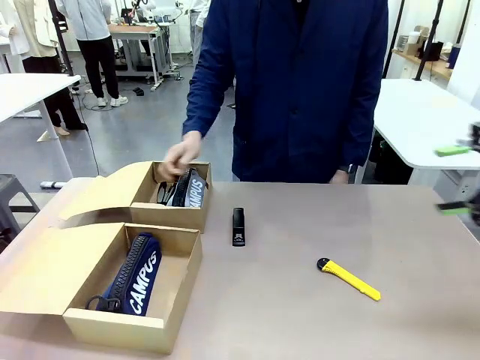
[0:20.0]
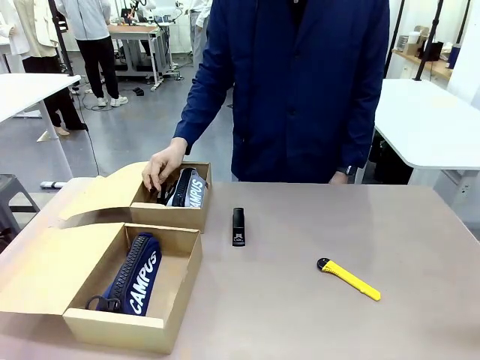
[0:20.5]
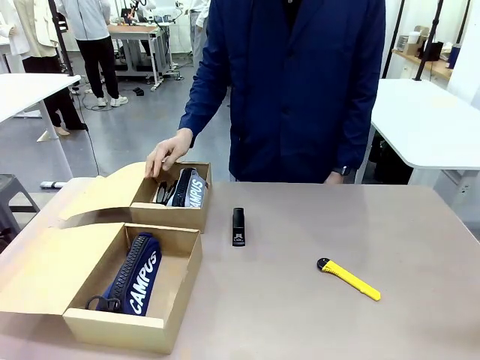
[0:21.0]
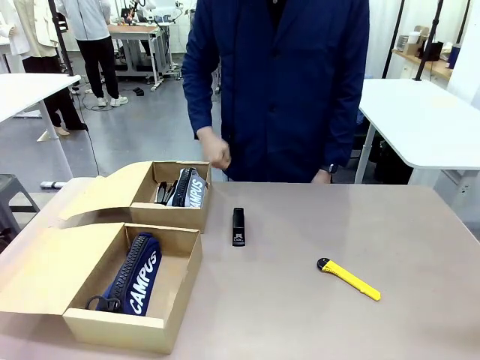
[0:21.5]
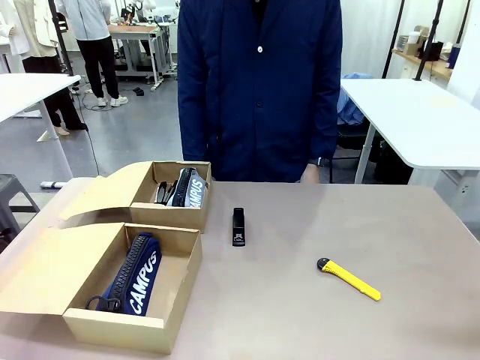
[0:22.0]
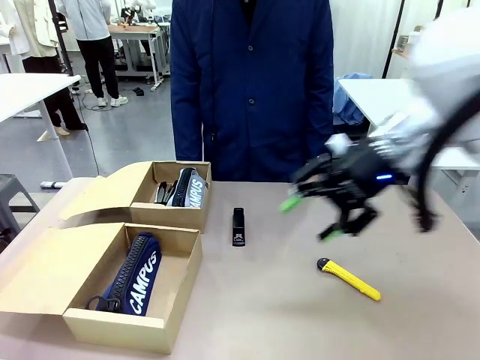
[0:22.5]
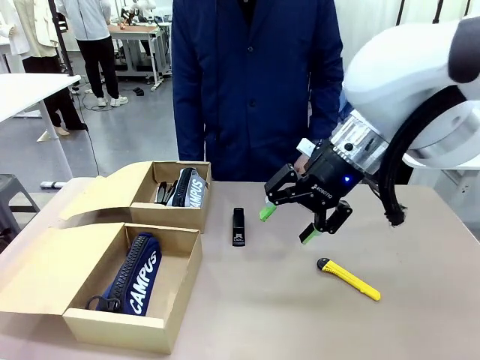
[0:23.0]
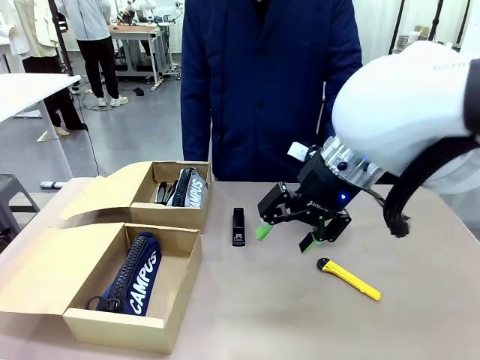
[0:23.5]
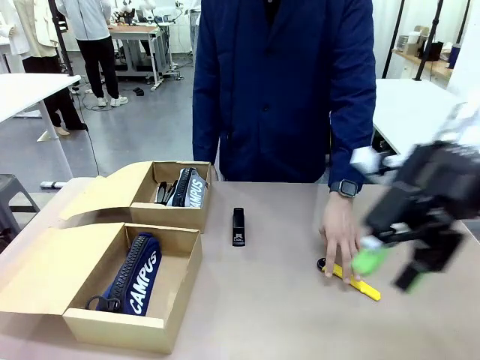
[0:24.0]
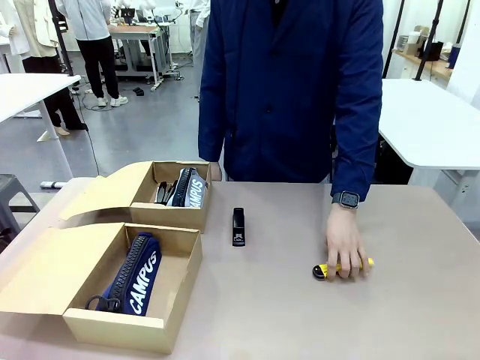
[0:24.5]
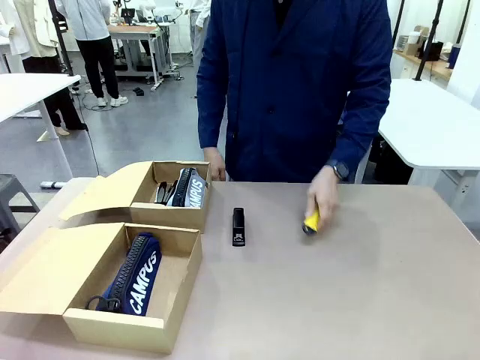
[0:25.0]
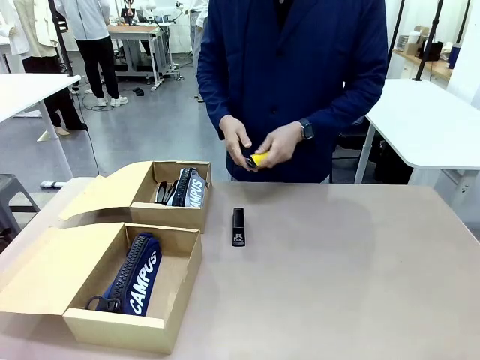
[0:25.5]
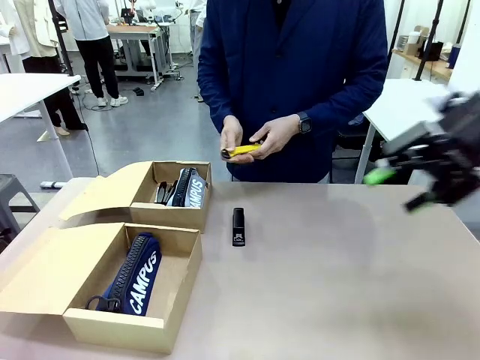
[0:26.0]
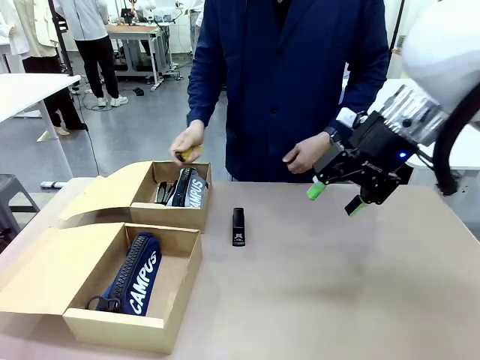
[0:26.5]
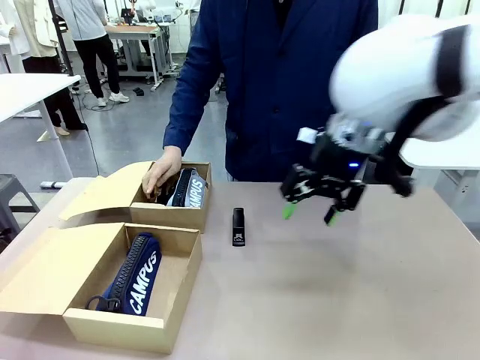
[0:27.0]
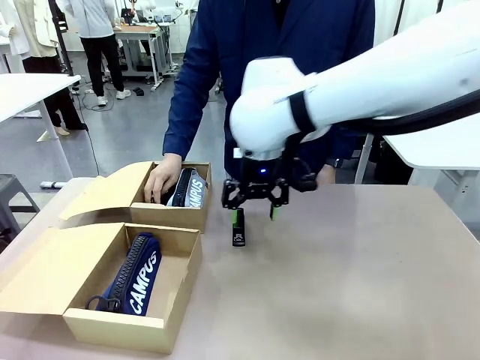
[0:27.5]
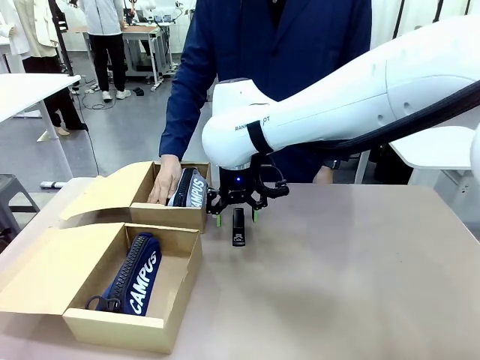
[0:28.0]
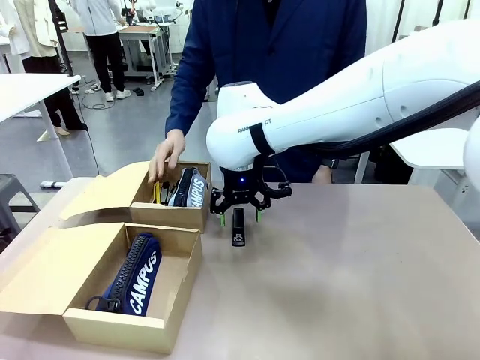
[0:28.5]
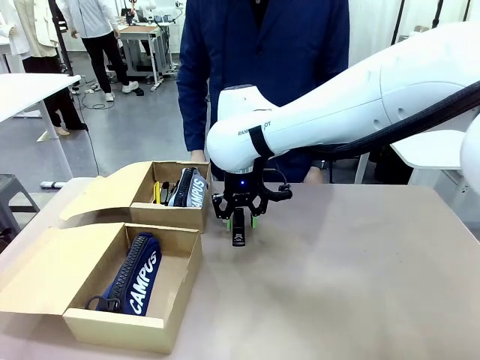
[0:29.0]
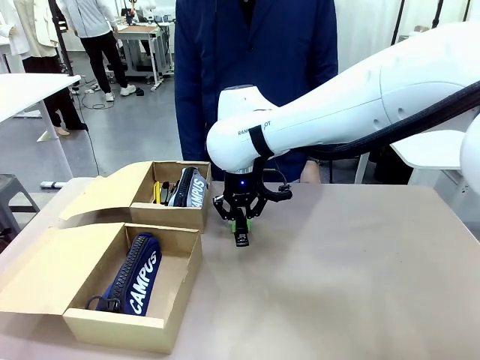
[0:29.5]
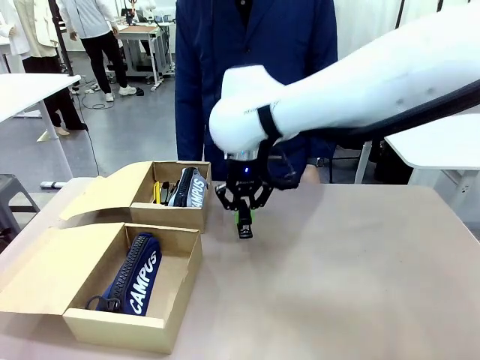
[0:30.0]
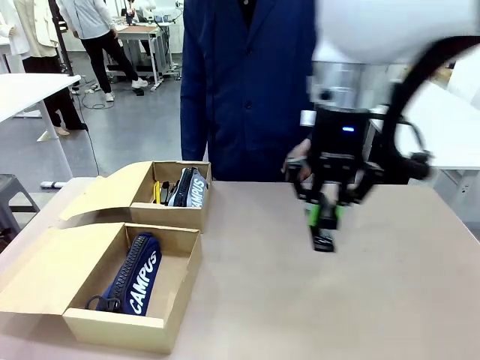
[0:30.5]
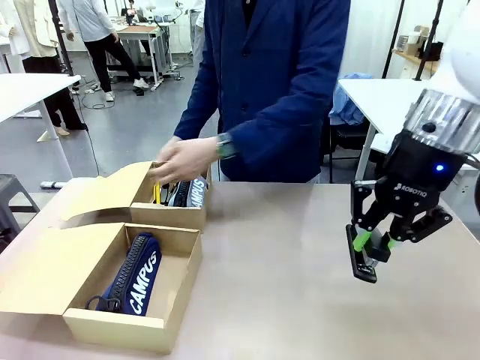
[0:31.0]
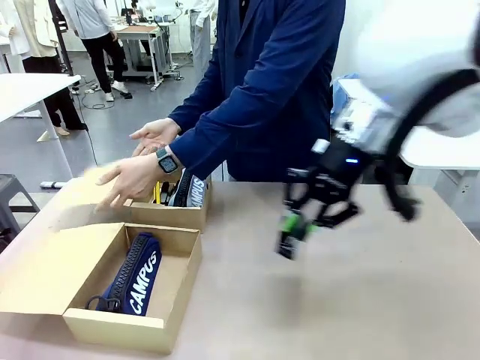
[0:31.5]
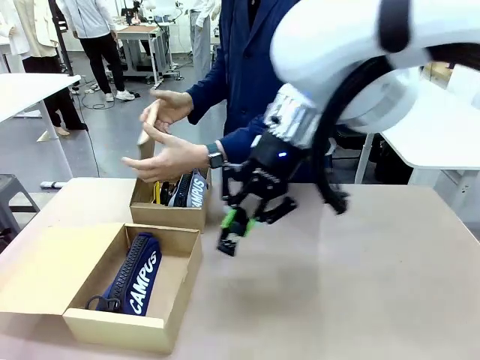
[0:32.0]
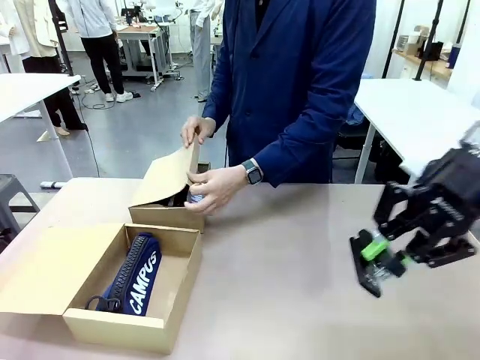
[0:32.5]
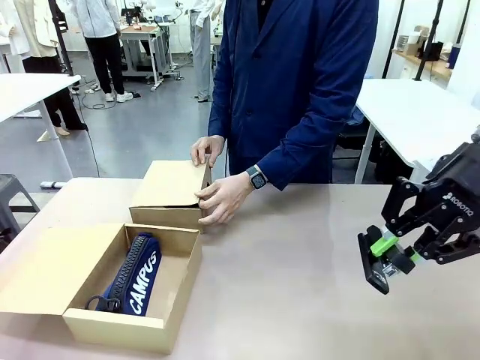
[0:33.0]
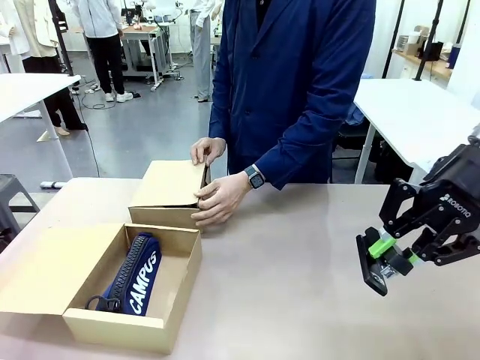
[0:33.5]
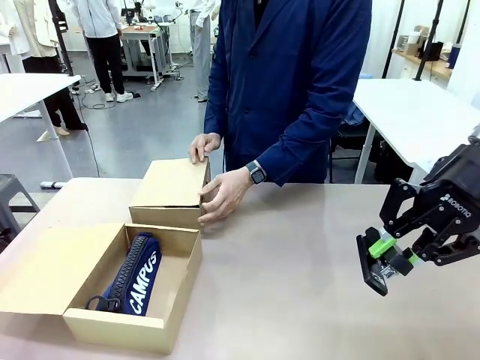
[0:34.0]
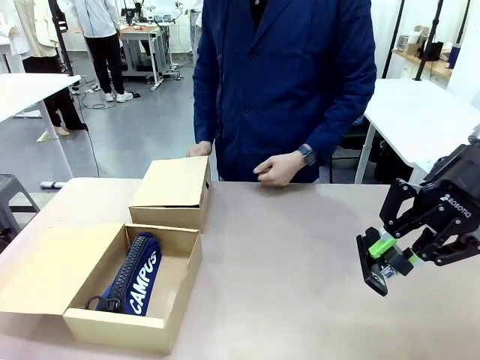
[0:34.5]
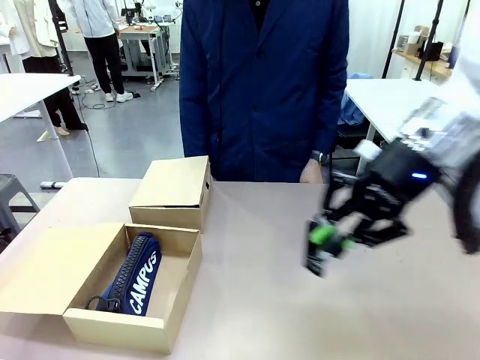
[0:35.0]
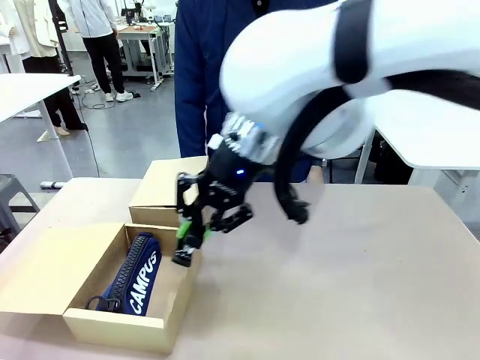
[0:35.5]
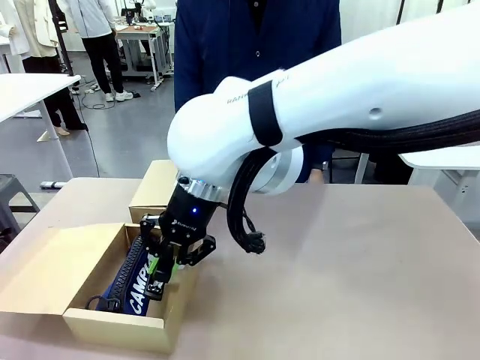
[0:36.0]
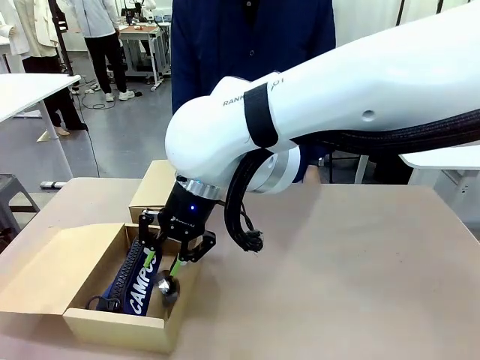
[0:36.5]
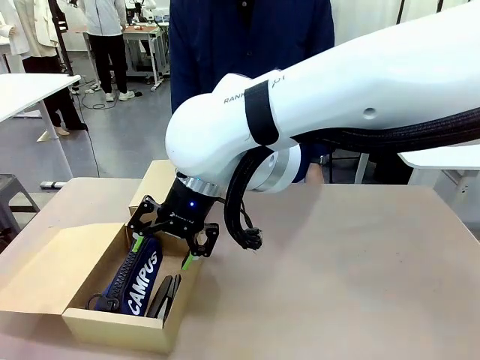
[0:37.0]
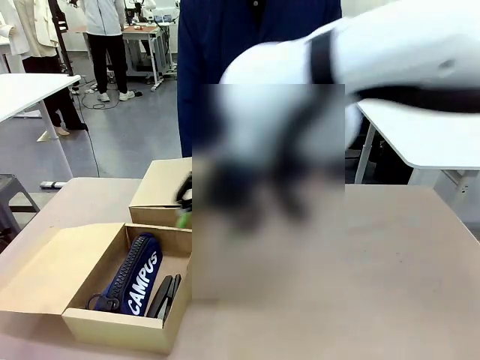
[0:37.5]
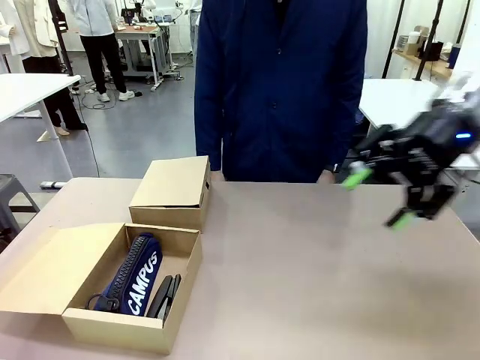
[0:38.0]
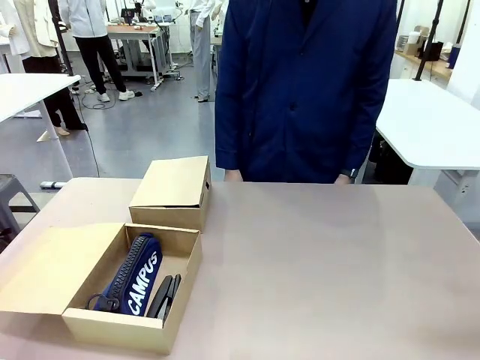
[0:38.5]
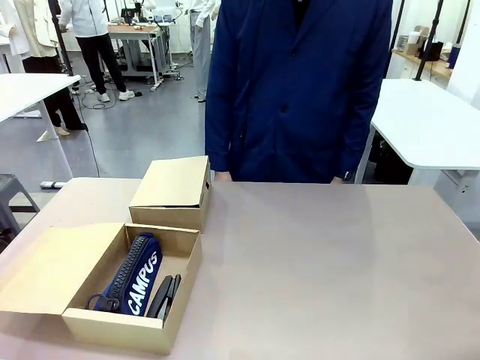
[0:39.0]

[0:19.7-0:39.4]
Task: Place items inside the box.
Robot: Pick up a Pencil pouch or Stapler and place it inside the Mailer Box closest to the robot.

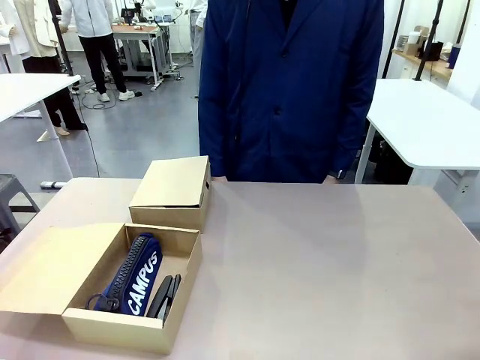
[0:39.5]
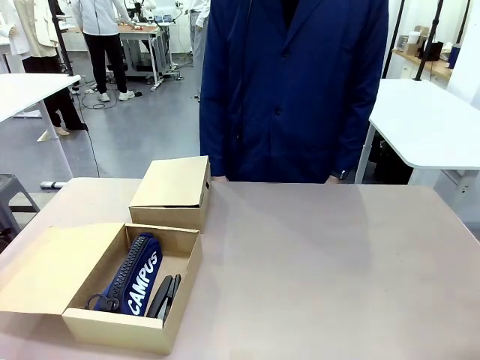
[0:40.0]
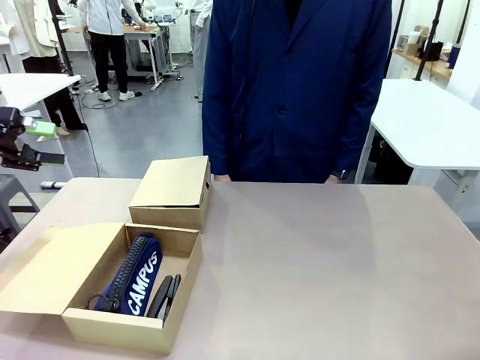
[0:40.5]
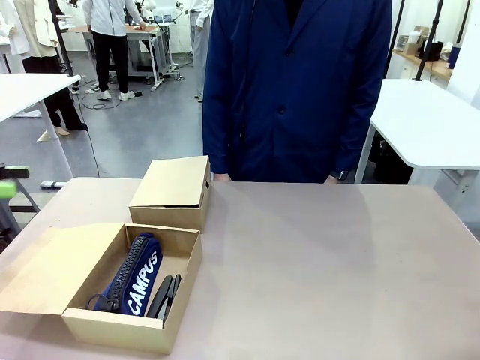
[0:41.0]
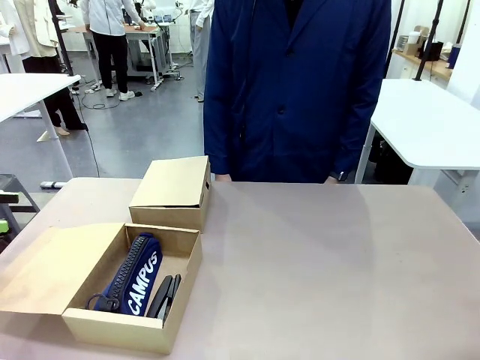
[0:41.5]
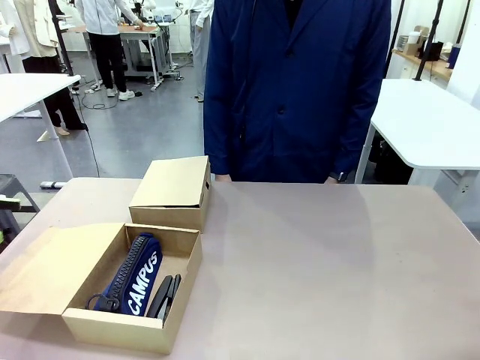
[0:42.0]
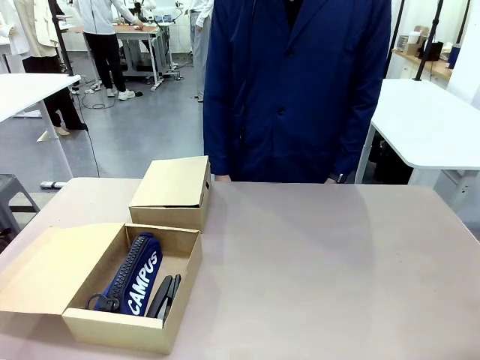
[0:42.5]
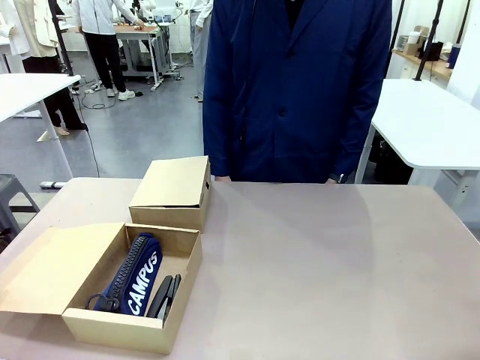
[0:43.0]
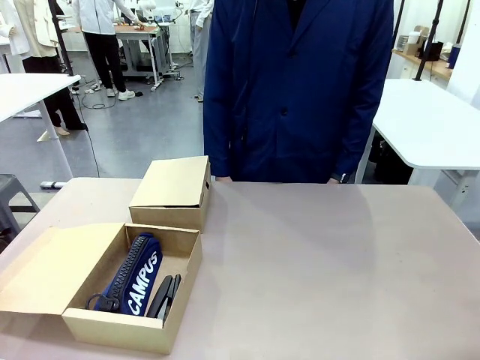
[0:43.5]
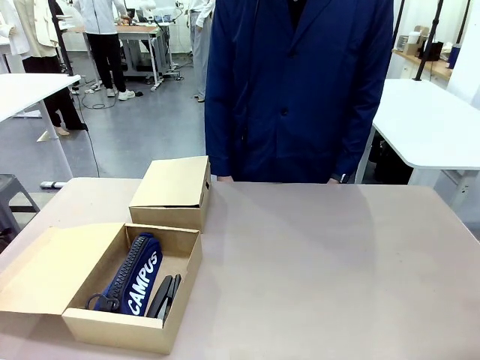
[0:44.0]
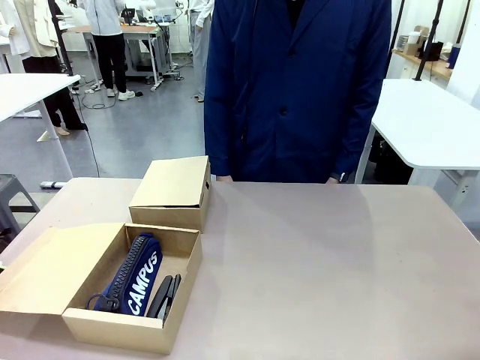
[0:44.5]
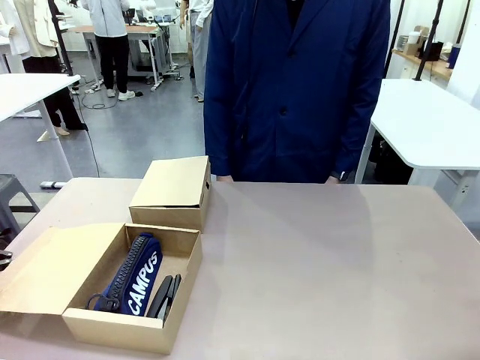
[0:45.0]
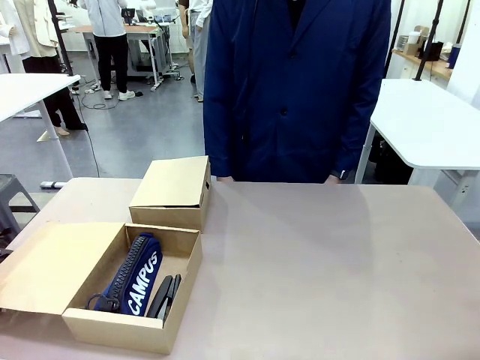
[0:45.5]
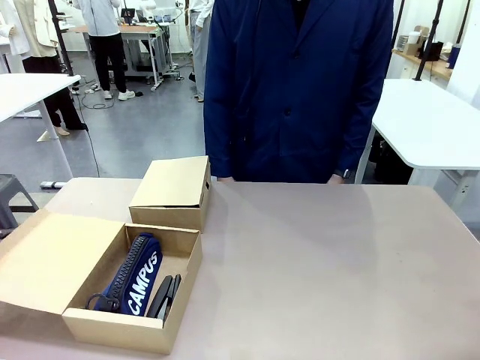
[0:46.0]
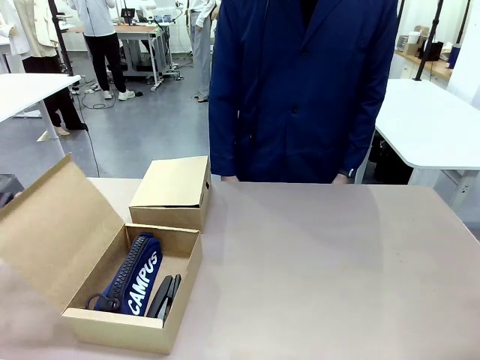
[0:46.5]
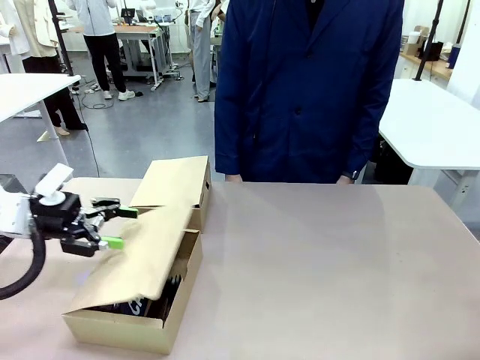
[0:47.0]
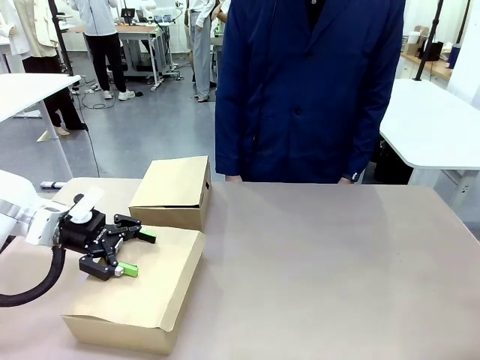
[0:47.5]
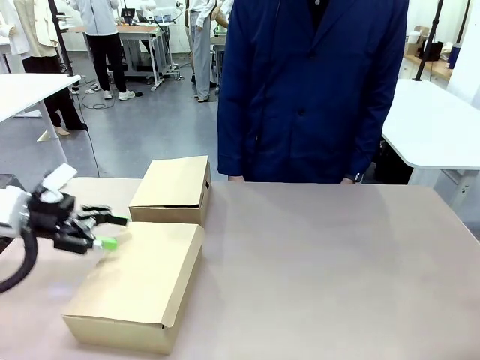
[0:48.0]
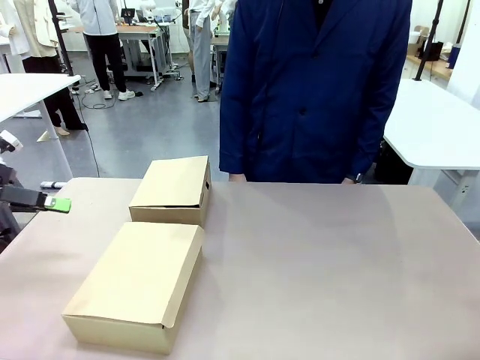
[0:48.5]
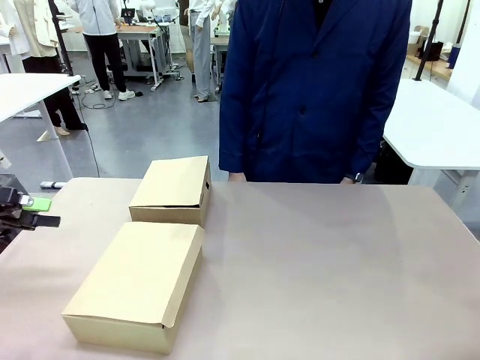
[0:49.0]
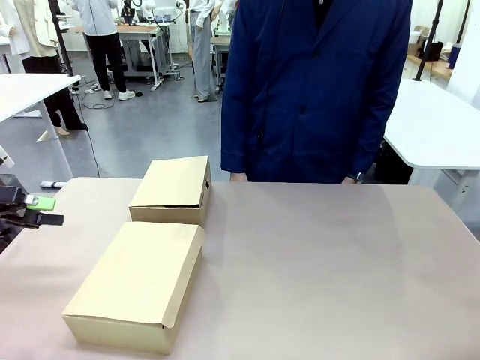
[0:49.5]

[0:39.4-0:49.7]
Robot: Close the lid of the Mailer Box closest to the robot.
Person: Close the lid of the box facing the person.
